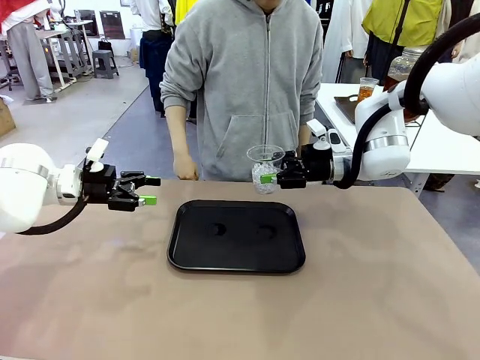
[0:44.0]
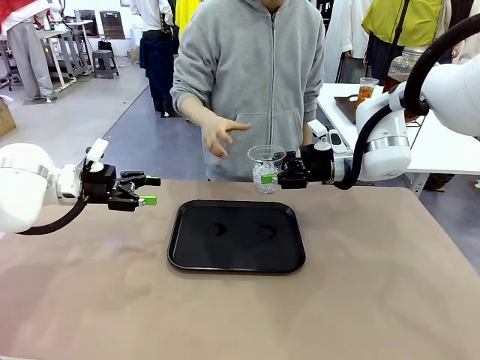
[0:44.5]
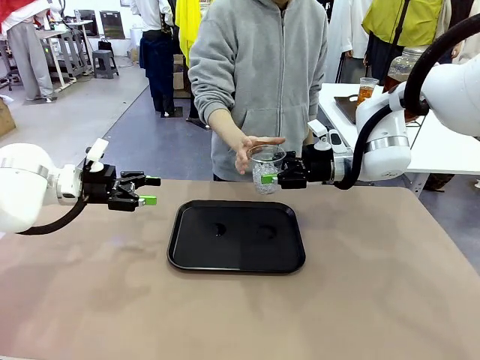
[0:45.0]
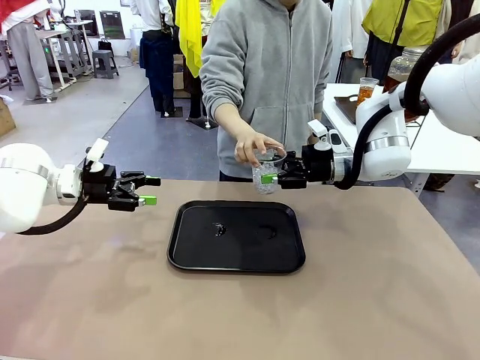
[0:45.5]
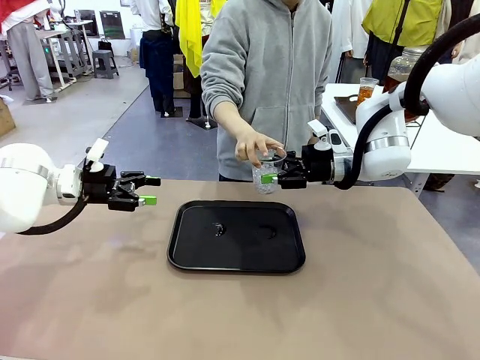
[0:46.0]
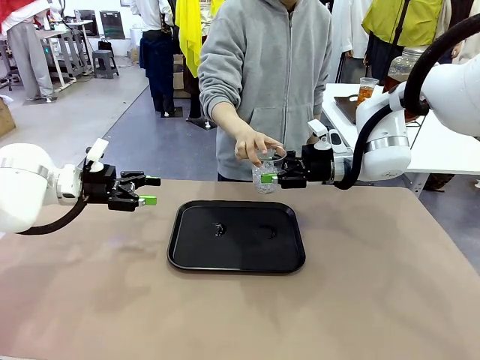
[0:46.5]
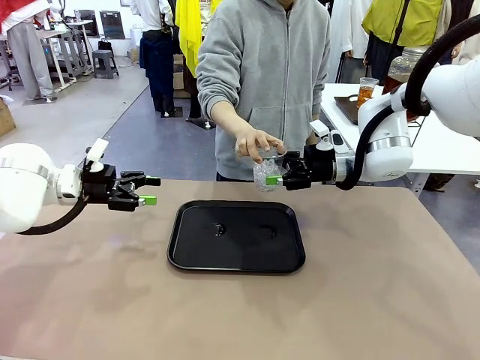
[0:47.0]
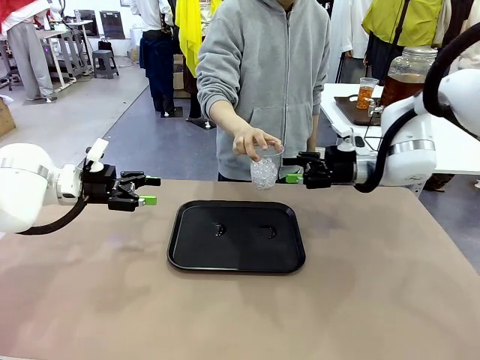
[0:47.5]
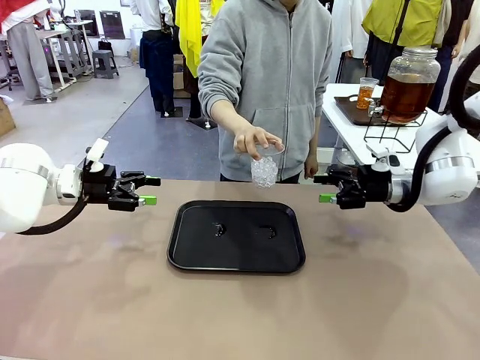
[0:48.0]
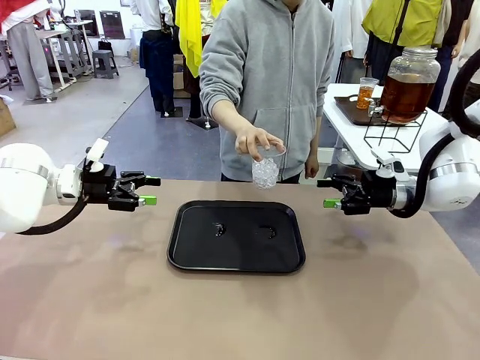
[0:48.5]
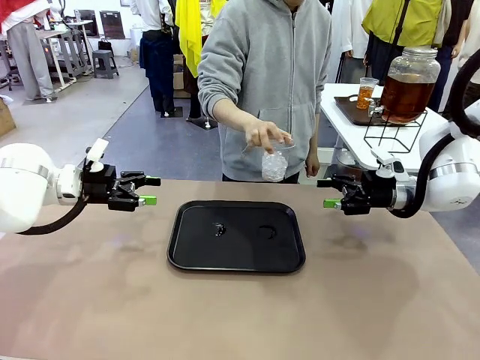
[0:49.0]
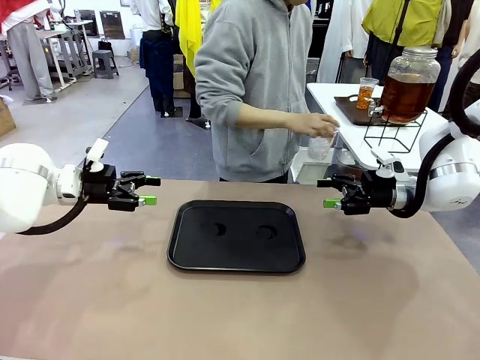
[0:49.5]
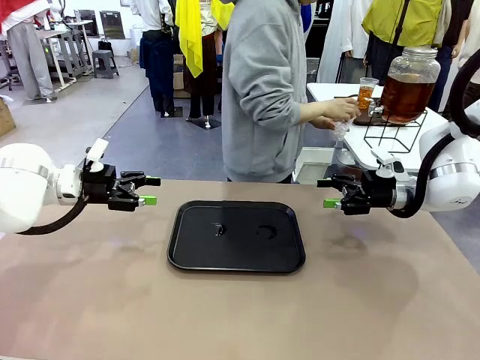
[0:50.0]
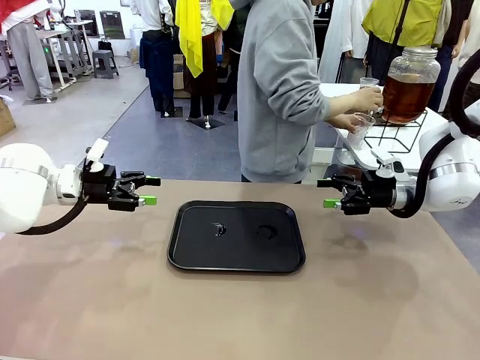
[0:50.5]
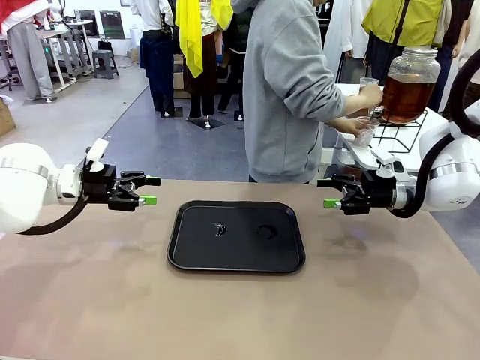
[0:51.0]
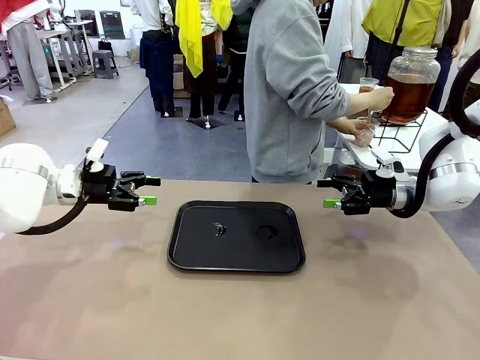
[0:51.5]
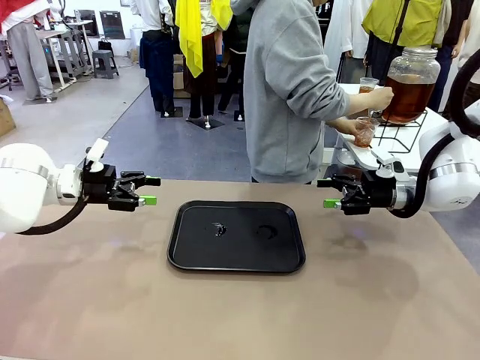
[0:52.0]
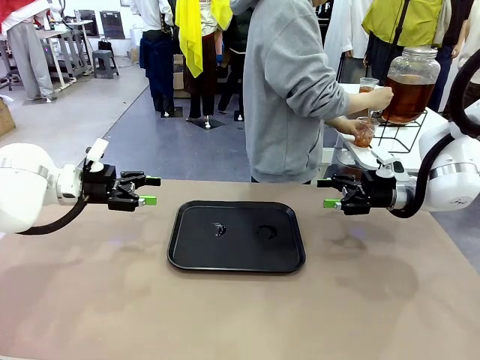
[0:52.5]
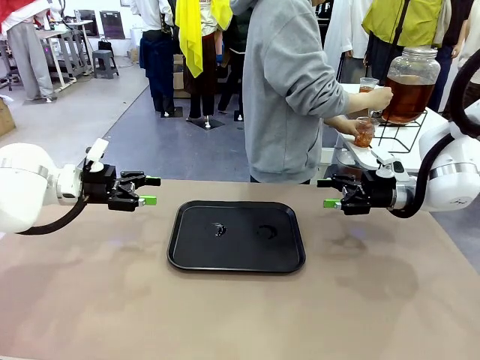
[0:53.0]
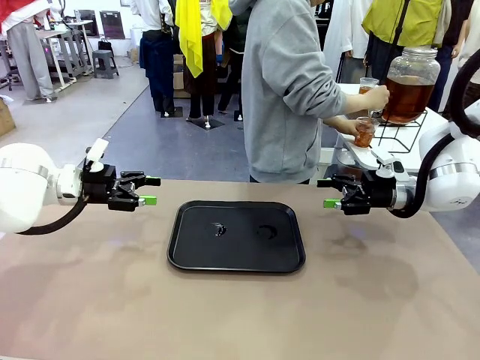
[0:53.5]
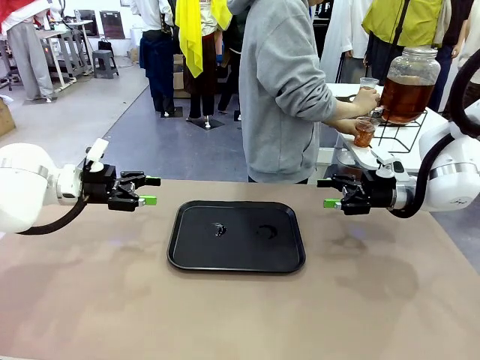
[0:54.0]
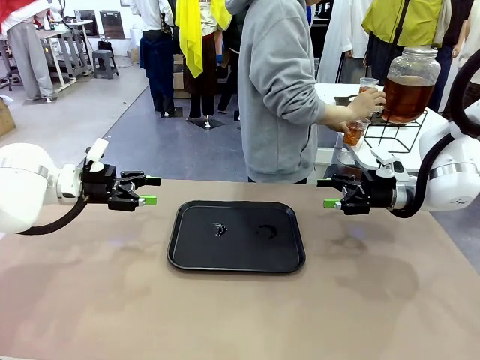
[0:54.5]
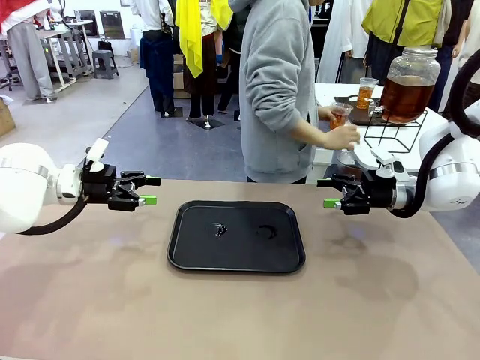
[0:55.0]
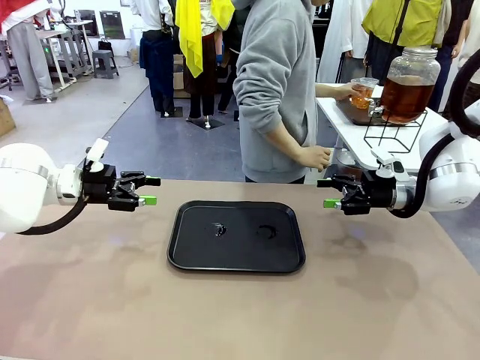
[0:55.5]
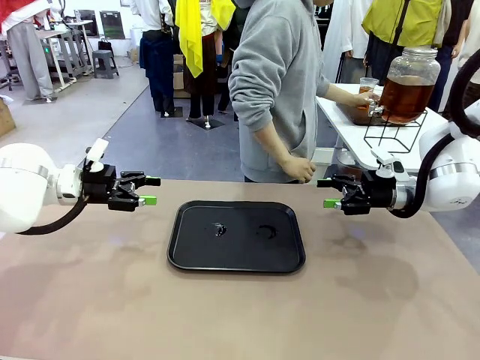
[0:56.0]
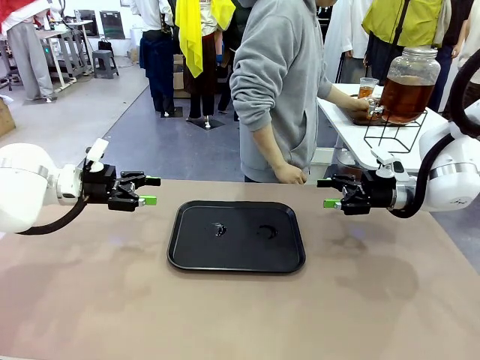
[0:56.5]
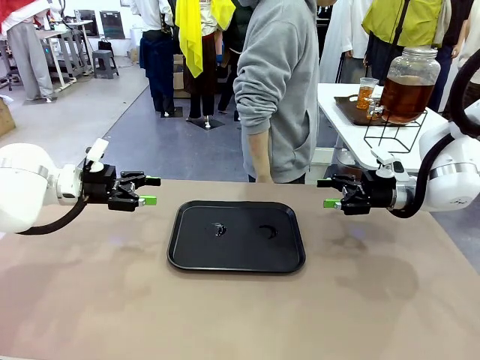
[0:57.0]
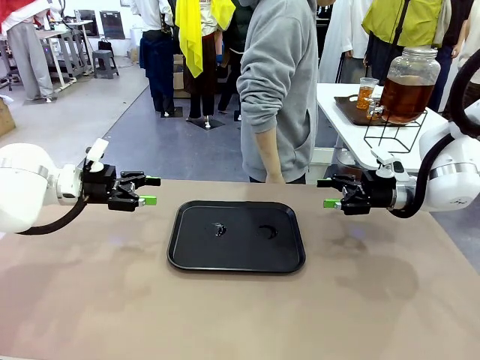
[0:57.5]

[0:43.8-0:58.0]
Task: Pour the drink into the iced cup.
Robot: Open the gripper to release the iced cup you were holding.
Person: Move the picked-up cup under the dispenser faucet, pour the drink, and place it on the tray on the human table.

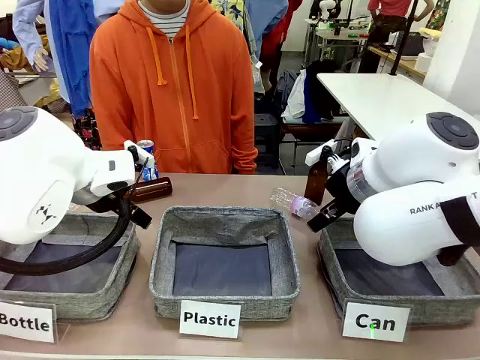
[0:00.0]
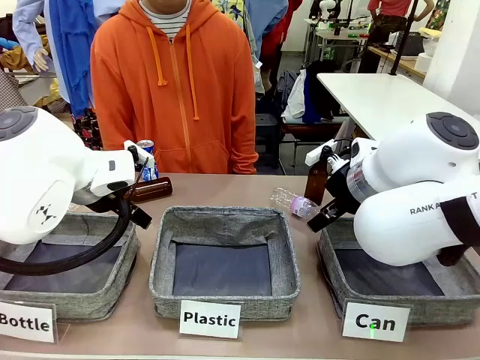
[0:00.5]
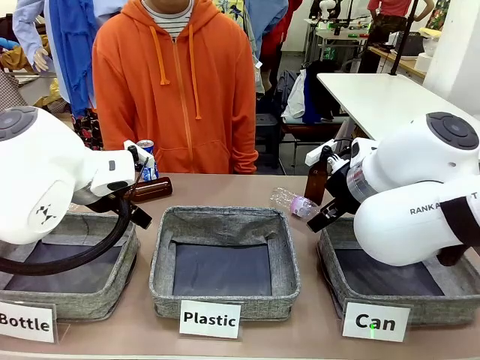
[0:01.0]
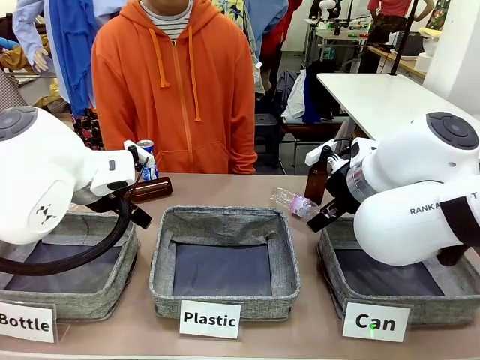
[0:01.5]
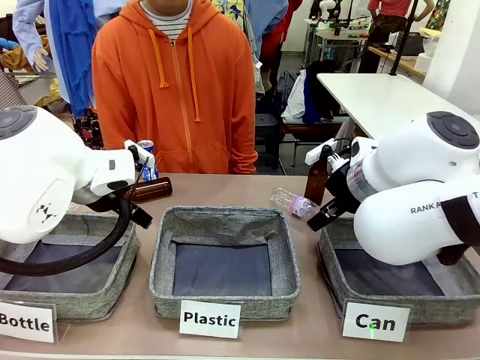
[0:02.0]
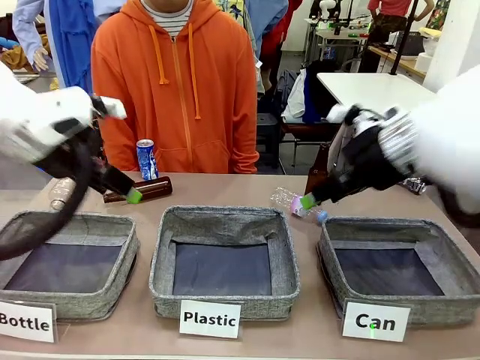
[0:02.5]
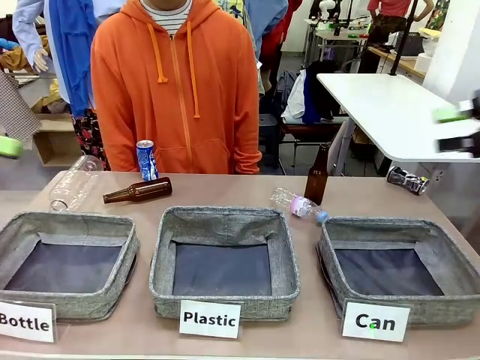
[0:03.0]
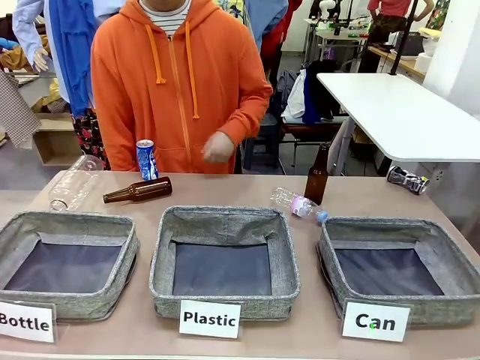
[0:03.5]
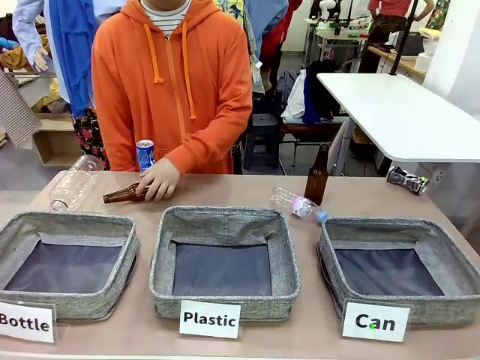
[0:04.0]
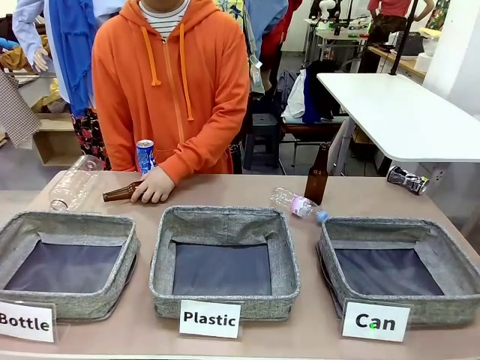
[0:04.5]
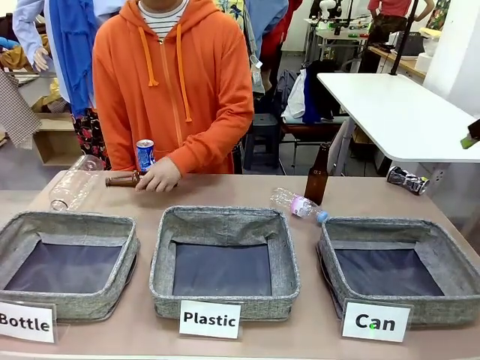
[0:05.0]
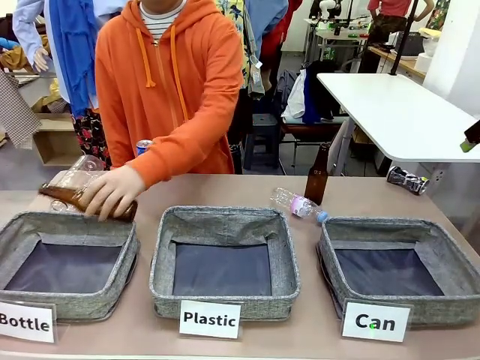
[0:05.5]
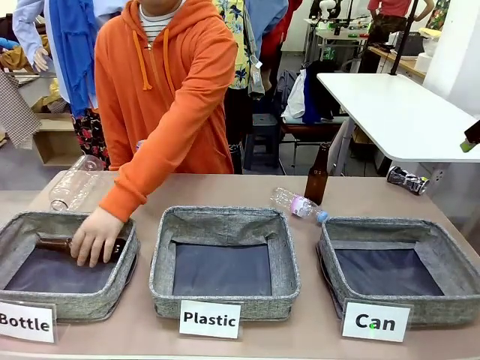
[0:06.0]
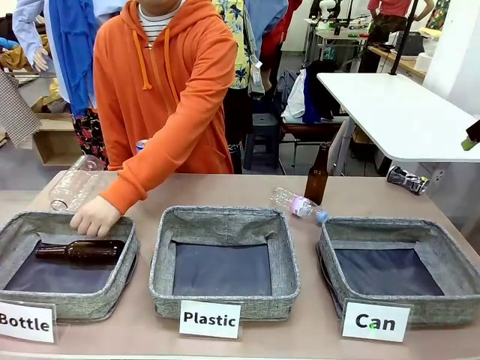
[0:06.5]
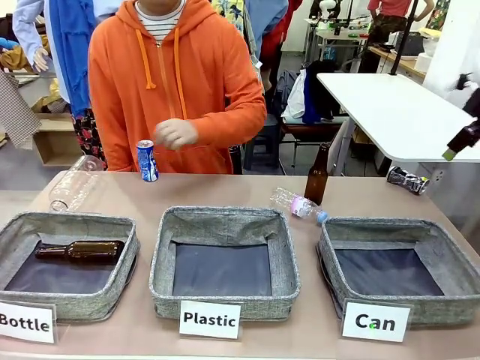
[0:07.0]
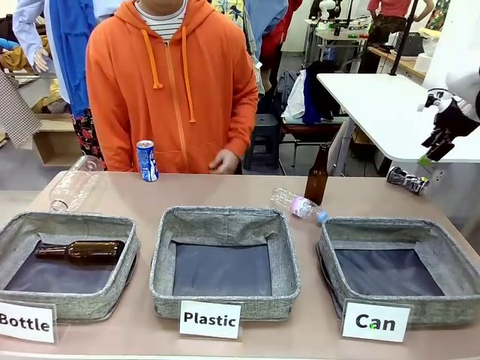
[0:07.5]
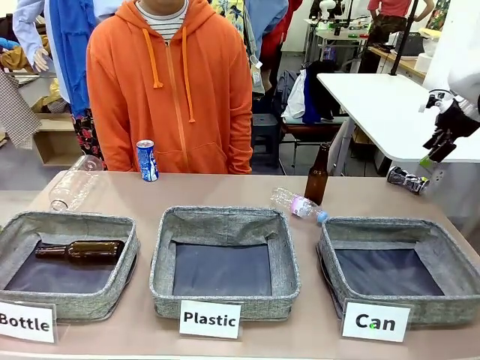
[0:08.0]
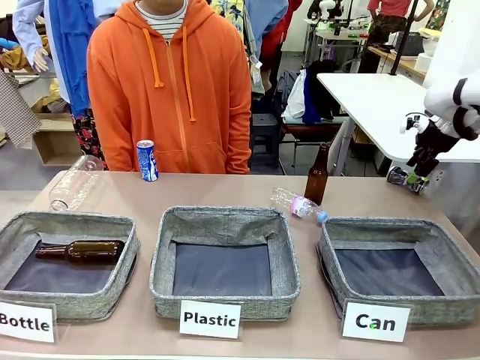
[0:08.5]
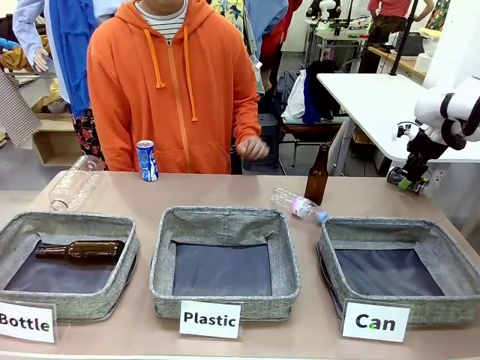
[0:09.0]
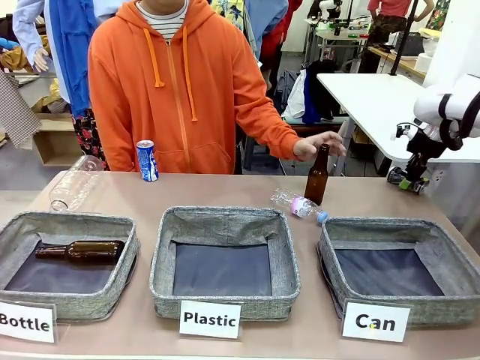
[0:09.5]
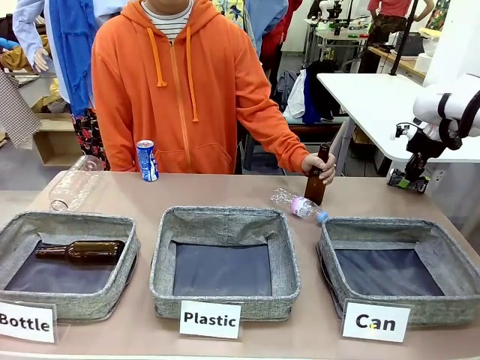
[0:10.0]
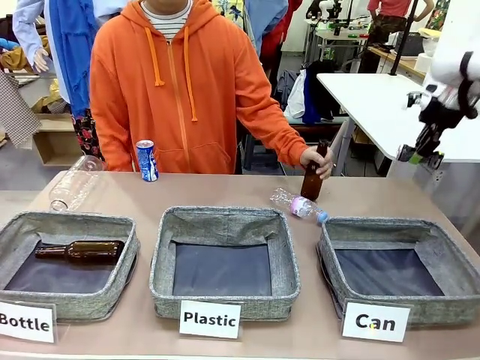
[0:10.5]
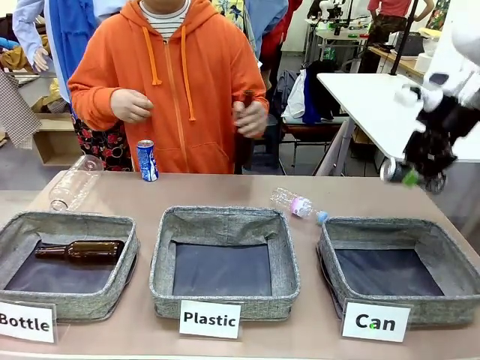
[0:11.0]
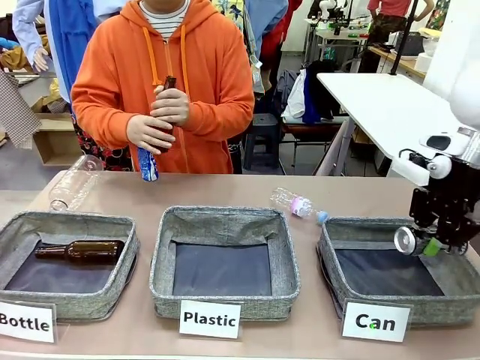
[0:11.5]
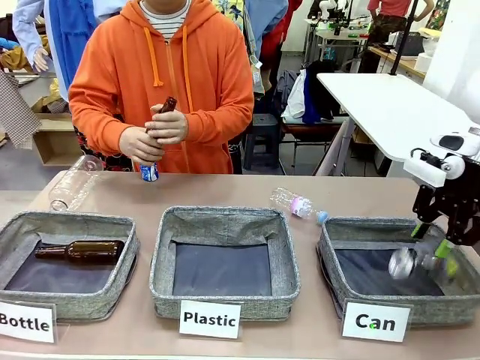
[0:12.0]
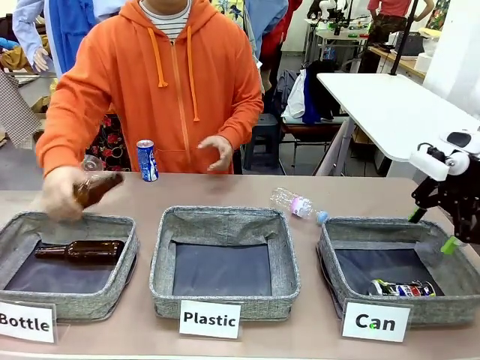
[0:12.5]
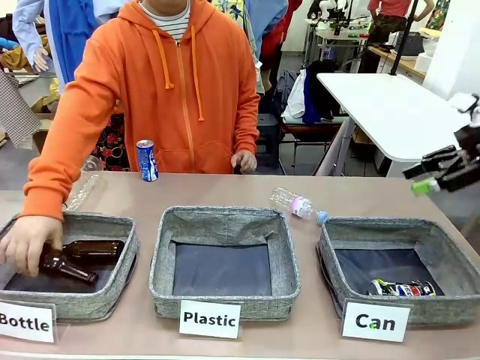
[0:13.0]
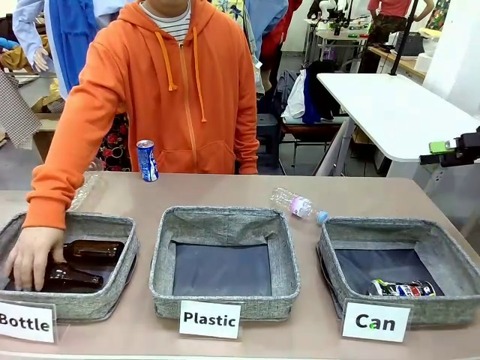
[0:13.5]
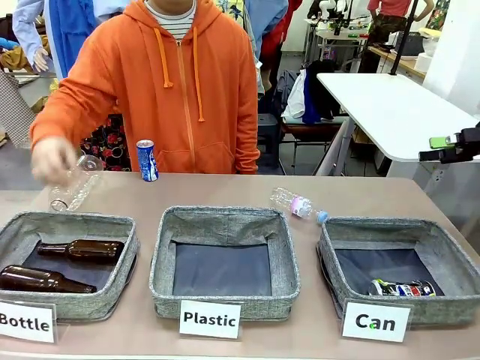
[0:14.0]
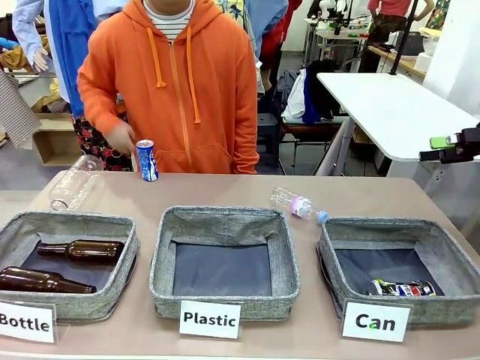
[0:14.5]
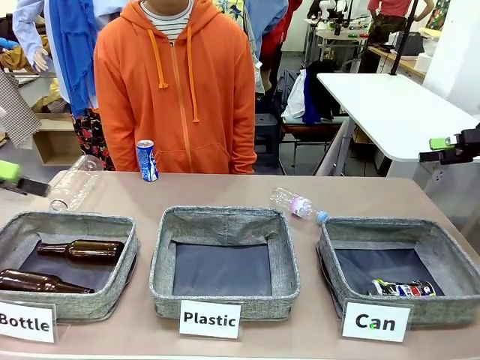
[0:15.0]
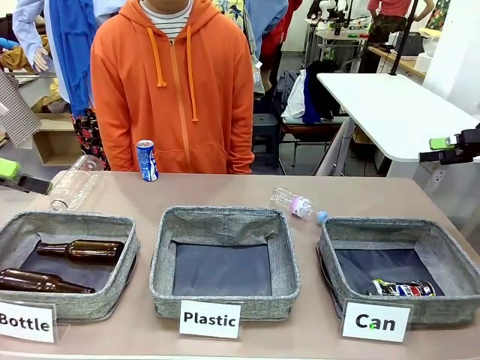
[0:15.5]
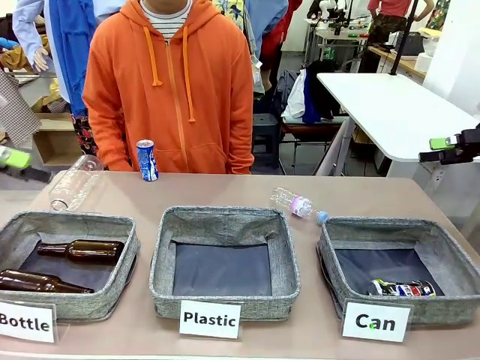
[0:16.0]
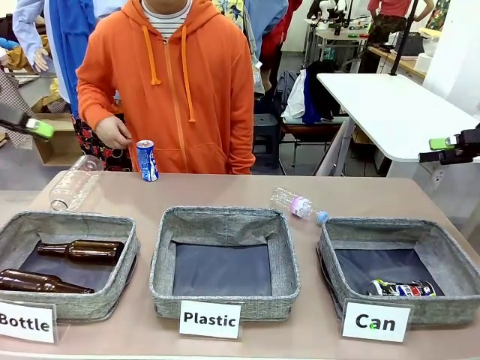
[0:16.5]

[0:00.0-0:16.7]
Task: Sort the can waste into the basket.
Robot: Pick up the can waste from the table and place it in the right Fabric basket.
